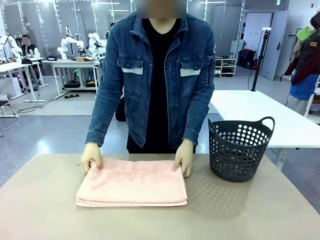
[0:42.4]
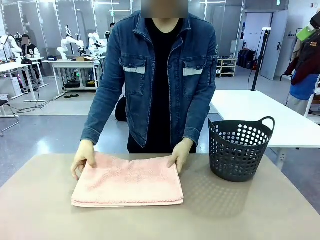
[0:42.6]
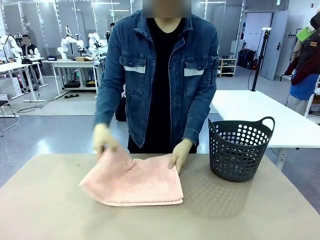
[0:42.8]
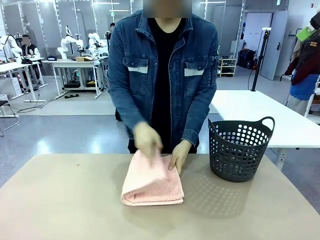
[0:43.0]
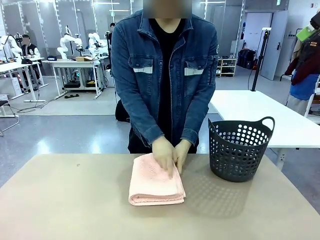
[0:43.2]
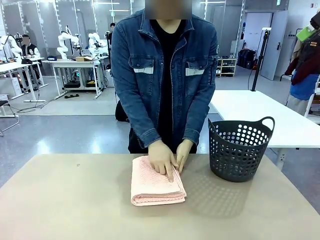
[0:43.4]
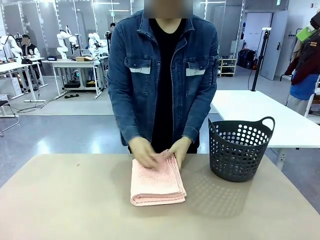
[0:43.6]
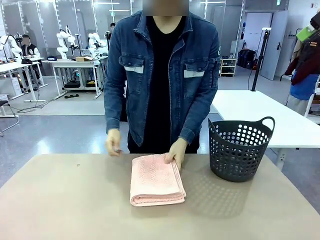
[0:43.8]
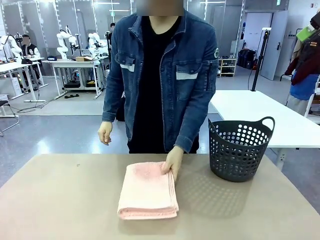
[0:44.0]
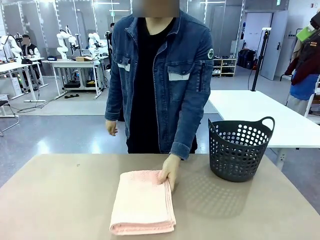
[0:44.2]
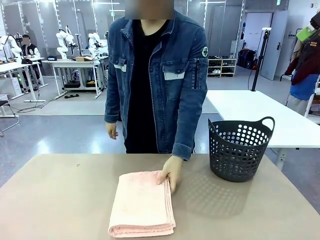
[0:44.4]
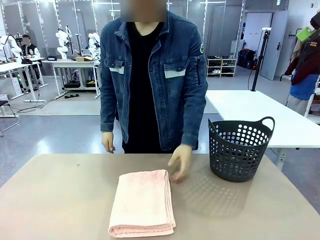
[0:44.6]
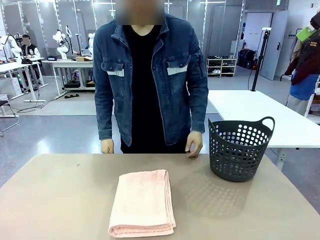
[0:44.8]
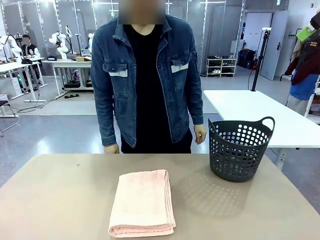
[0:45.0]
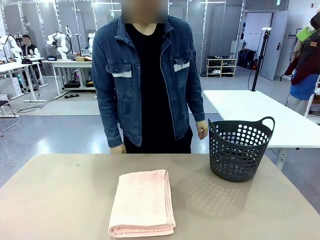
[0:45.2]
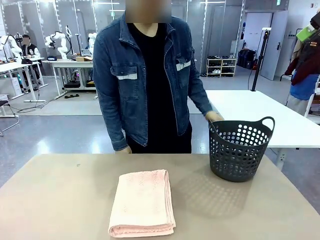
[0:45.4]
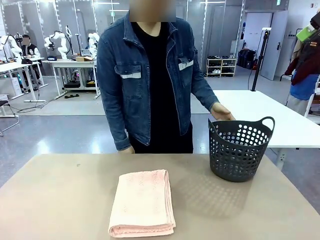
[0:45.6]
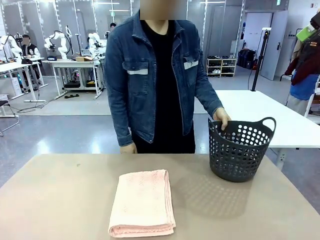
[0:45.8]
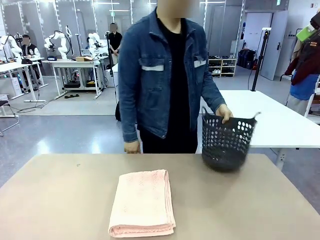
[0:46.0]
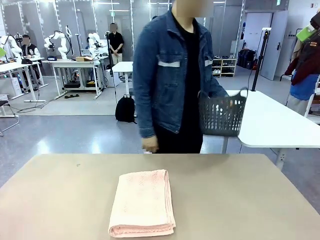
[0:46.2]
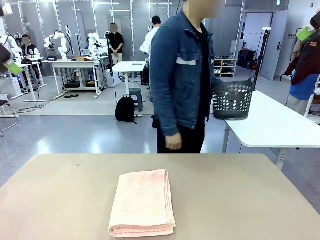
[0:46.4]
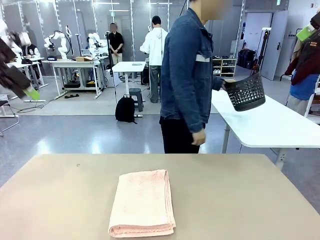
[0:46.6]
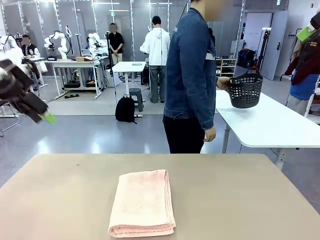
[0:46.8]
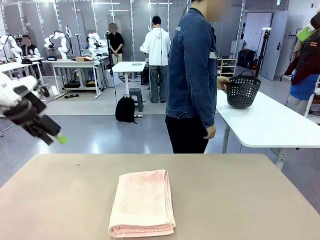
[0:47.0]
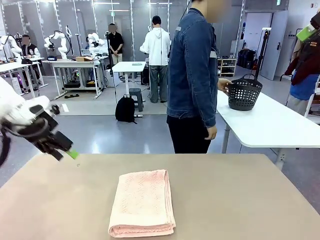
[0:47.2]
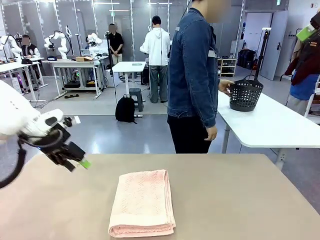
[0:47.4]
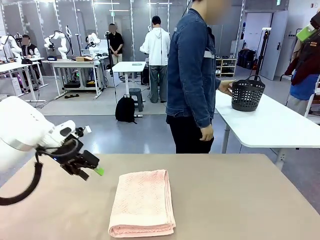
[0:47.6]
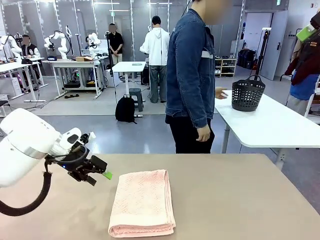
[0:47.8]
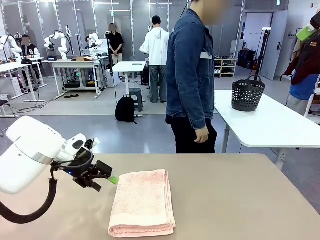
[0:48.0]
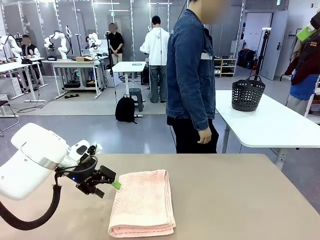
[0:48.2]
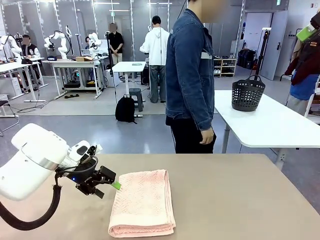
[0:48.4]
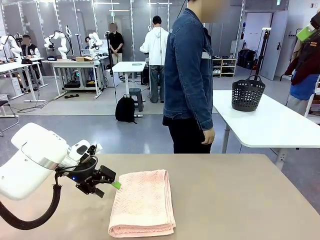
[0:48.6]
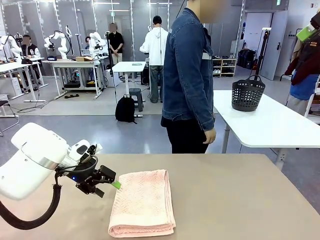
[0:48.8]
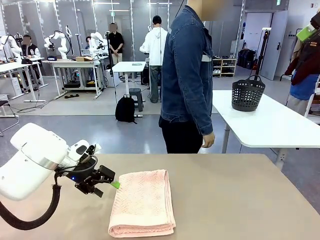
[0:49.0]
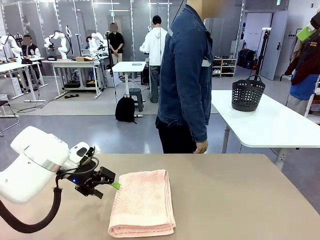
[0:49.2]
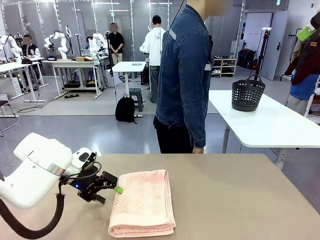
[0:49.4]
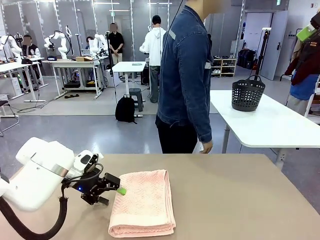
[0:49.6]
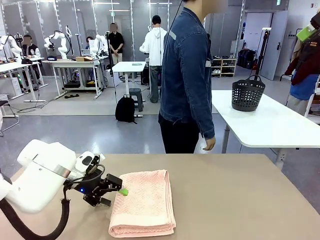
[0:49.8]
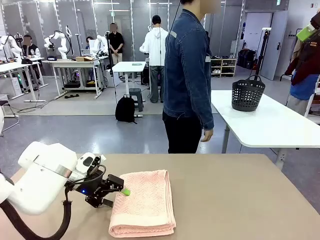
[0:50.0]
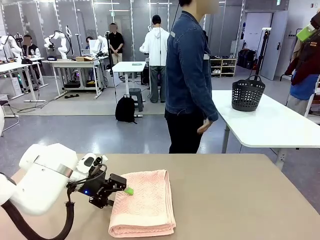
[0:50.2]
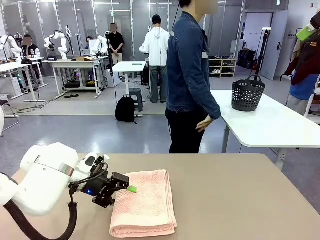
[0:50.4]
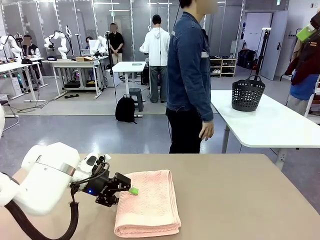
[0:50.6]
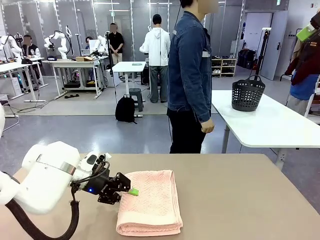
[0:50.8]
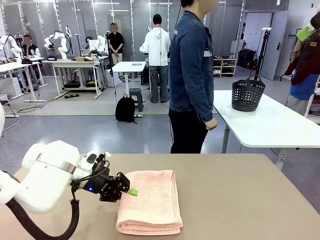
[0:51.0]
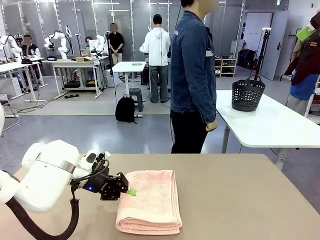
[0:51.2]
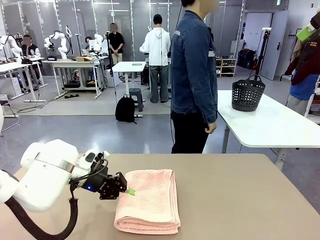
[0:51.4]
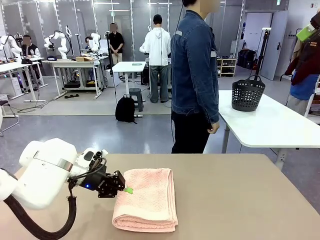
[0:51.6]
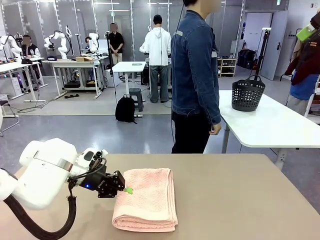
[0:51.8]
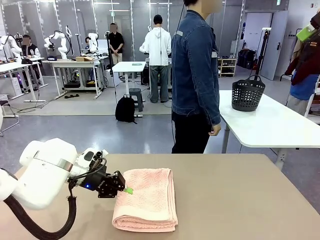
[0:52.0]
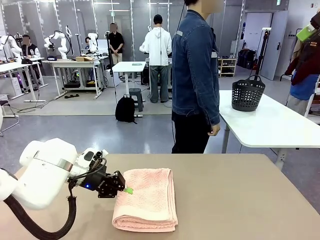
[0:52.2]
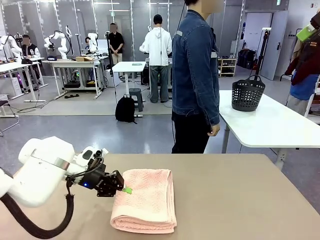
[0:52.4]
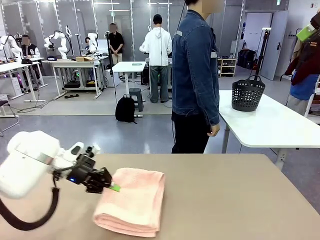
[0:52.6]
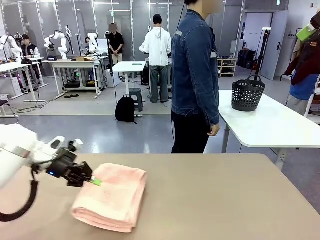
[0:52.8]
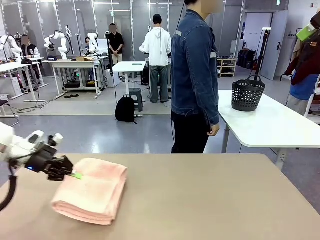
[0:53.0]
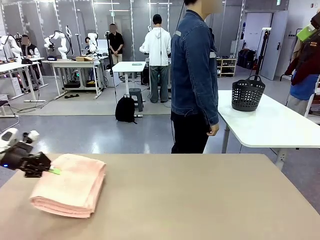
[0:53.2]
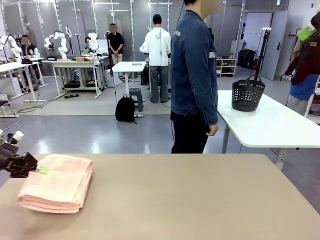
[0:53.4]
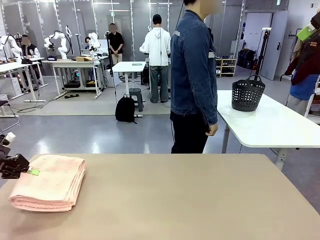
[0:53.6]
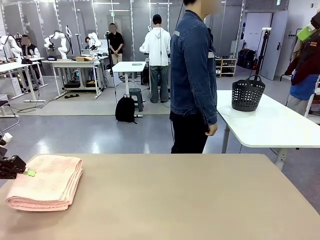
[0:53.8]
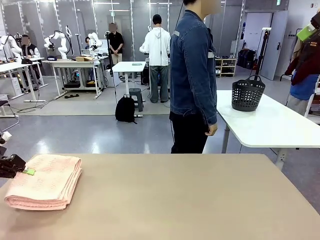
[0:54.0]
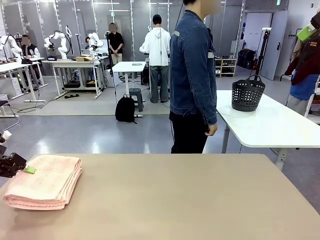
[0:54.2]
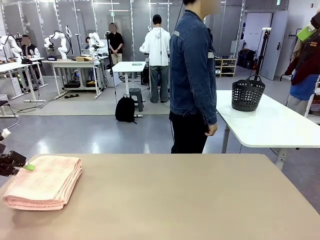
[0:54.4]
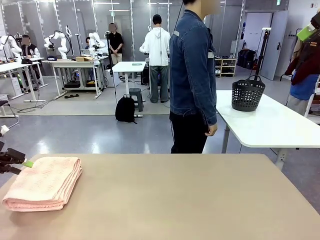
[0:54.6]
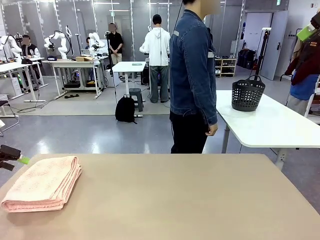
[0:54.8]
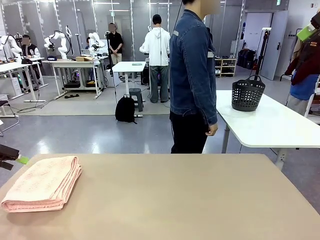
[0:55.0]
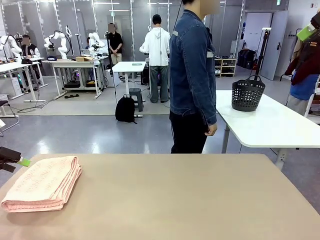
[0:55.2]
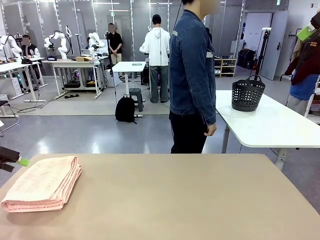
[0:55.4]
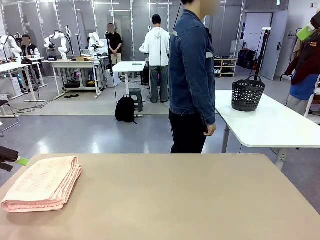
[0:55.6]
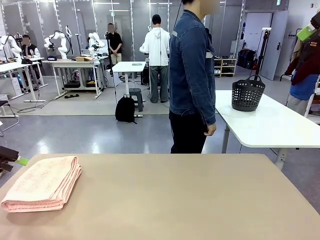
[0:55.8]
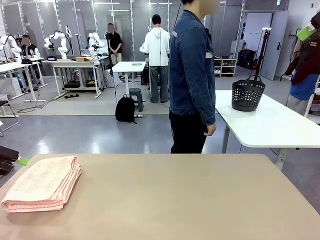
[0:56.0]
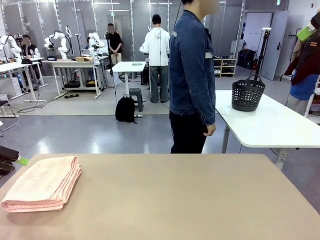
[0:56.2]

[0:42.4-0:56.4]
Task: Fold the towel.
Robot: Pick up the 100 cm Hotel Towel and place it on the left side of the table.
Person: Pick up the laundry basket and place it at the center of the human table.
